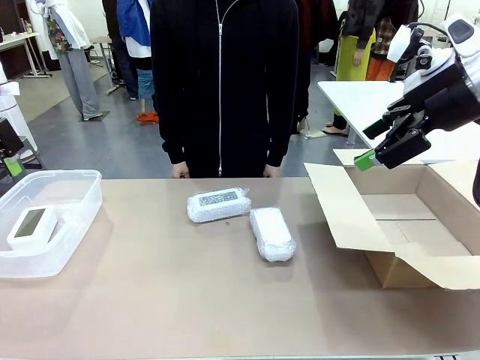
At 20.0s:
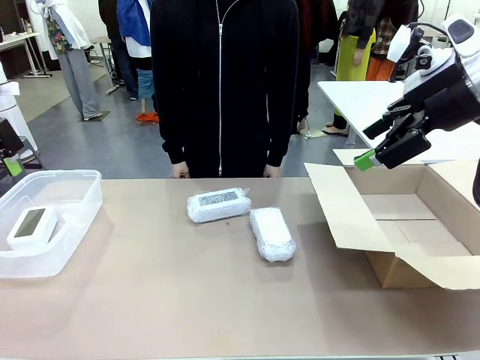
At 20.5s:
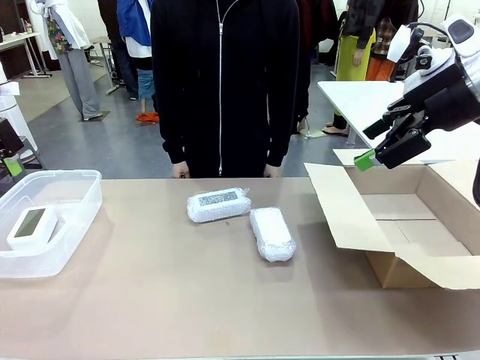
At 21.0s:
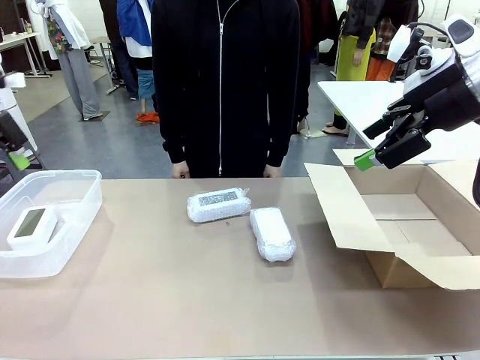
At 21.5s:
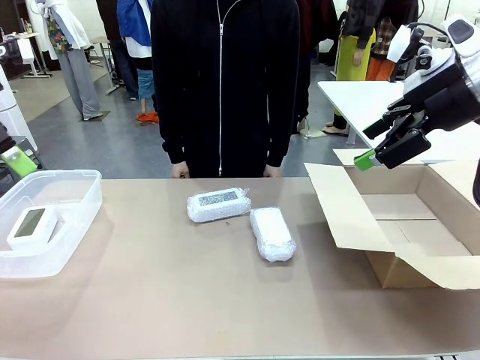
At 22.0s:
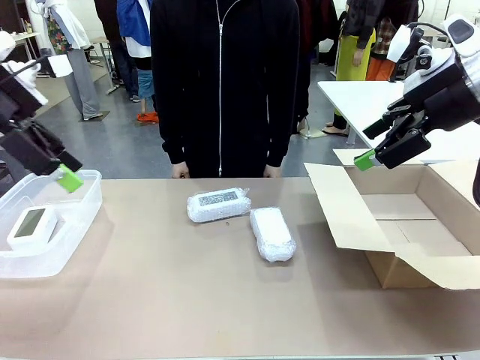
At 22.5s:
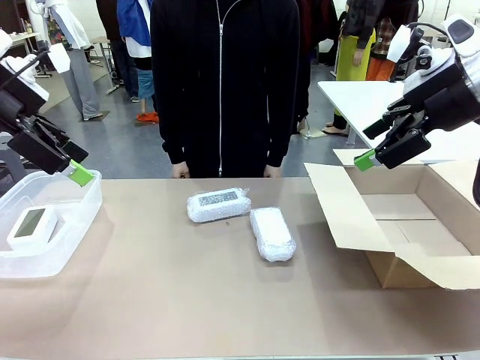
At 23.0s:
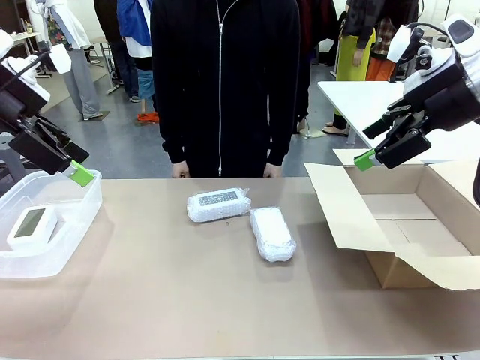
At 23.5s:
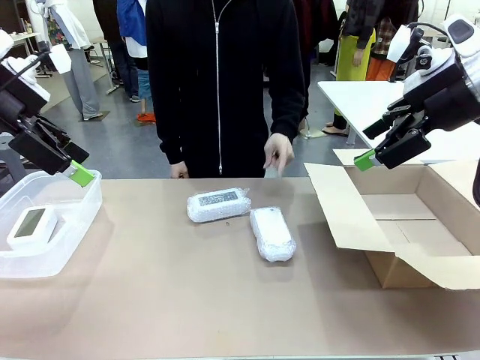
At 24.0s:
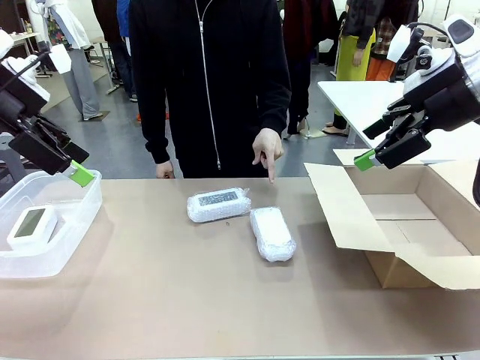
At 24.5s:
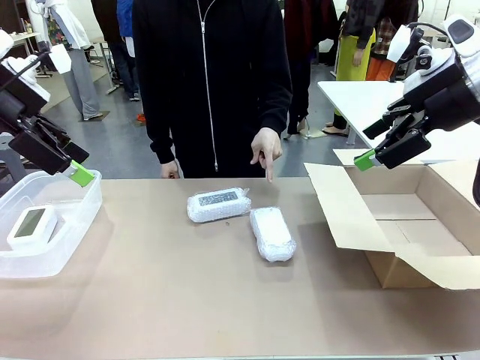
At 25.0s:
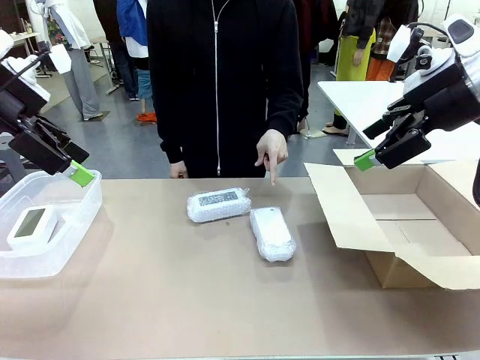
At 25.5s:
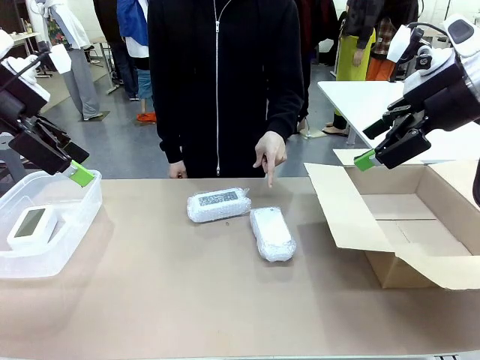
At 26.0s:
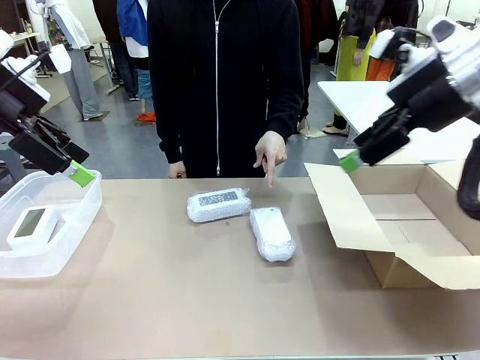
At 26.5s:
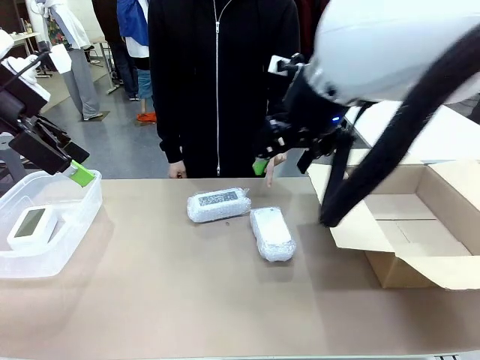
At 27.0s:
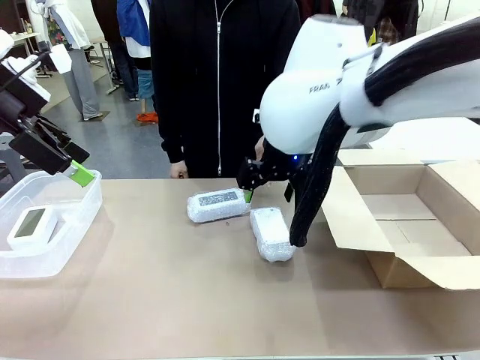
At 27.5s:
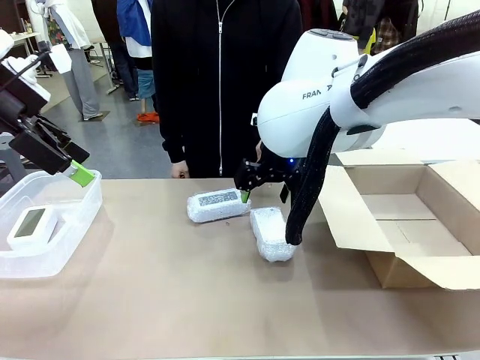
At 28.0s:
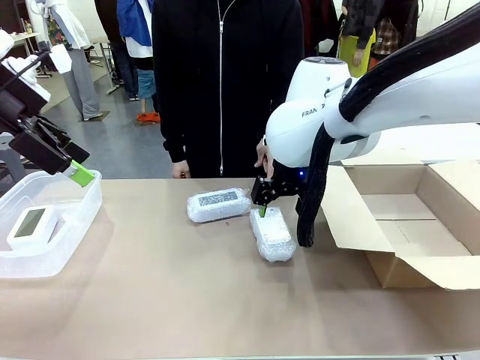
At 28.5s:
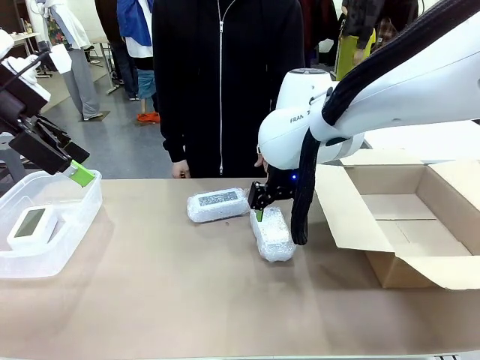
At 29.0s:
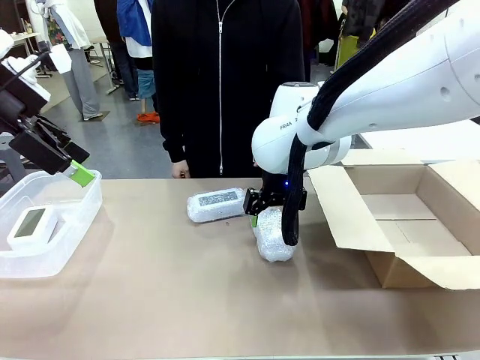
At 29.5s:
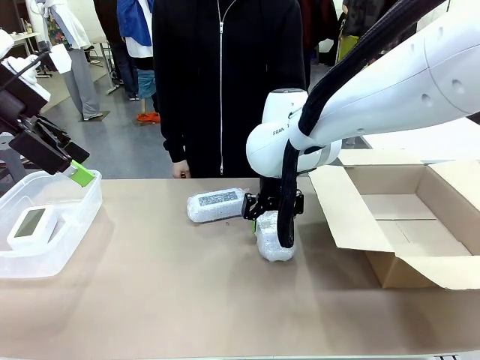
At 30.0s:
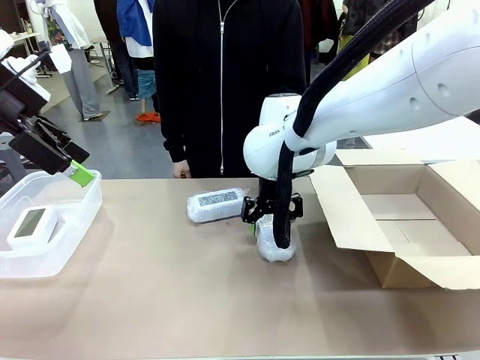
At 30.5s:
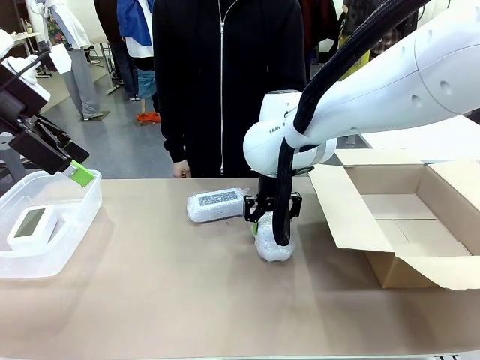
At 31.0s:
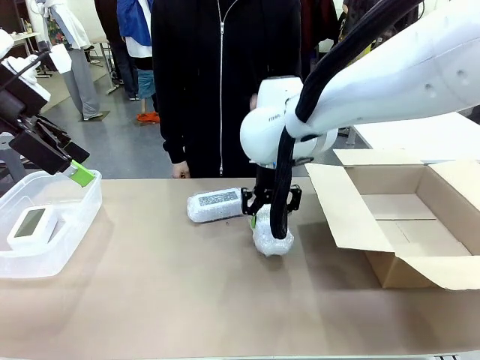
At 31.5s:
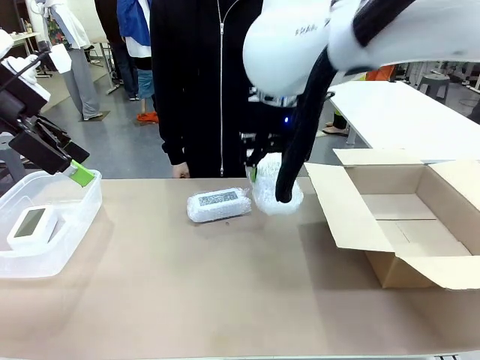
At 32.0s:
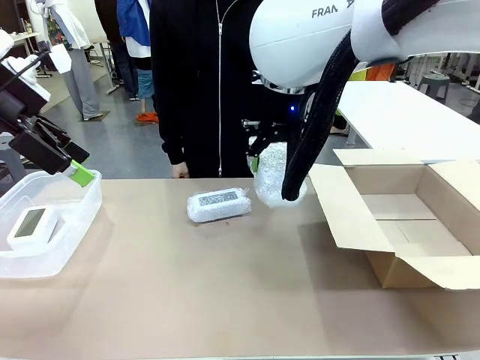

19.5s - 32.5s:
Task: Separate and place wrapped and unwrapped clocks.
Robot: Pick up the Digital clock indicated by the person.

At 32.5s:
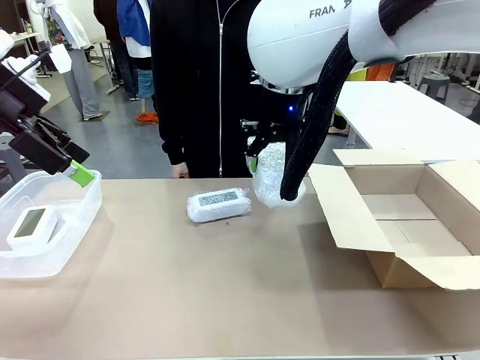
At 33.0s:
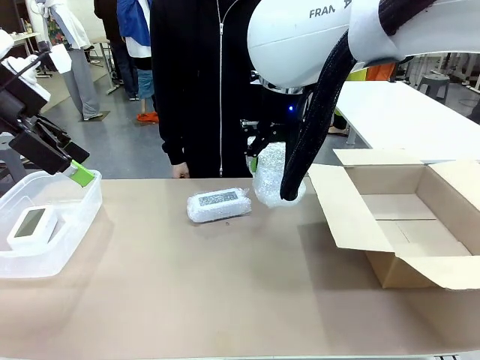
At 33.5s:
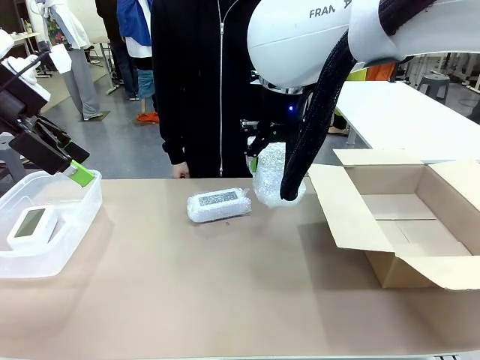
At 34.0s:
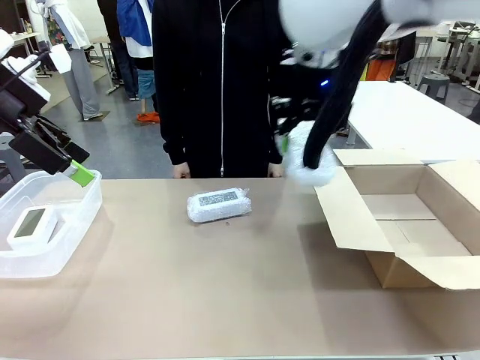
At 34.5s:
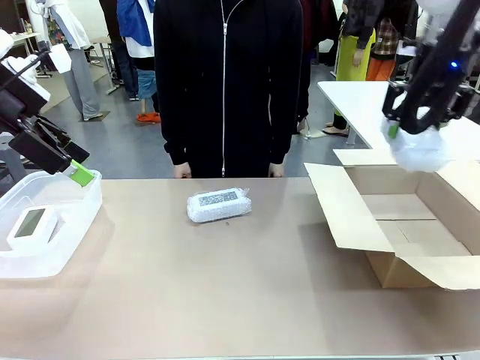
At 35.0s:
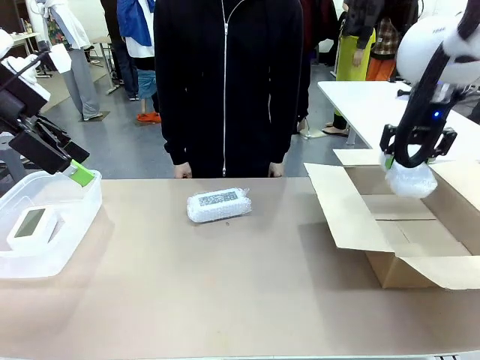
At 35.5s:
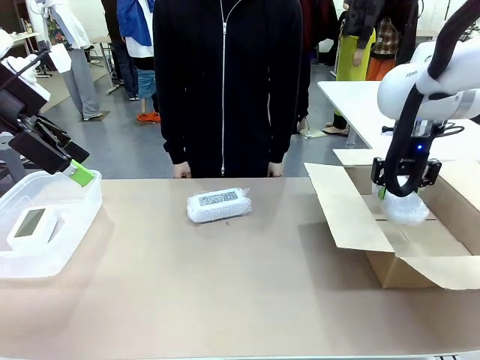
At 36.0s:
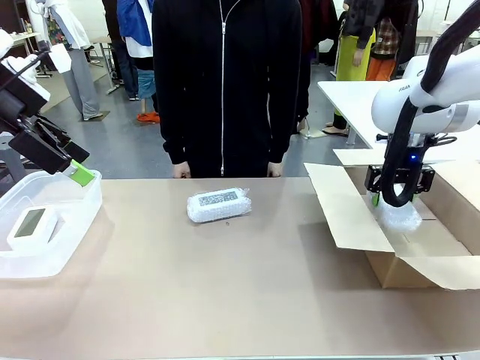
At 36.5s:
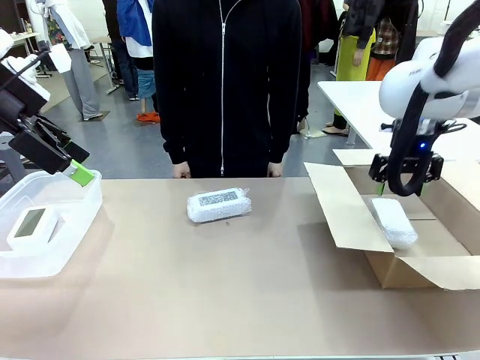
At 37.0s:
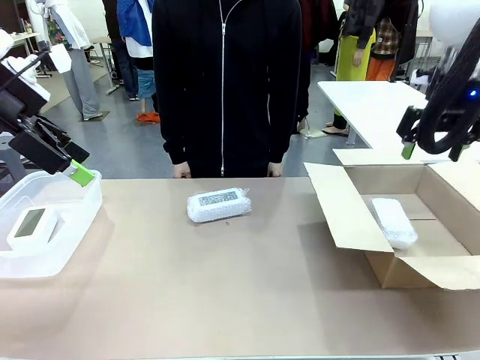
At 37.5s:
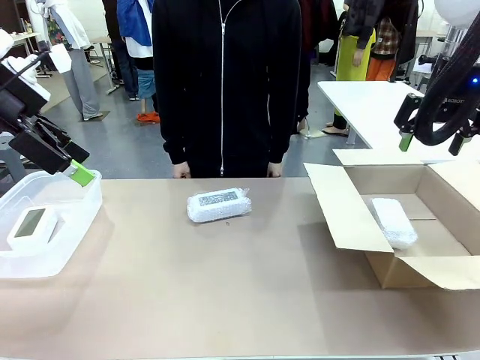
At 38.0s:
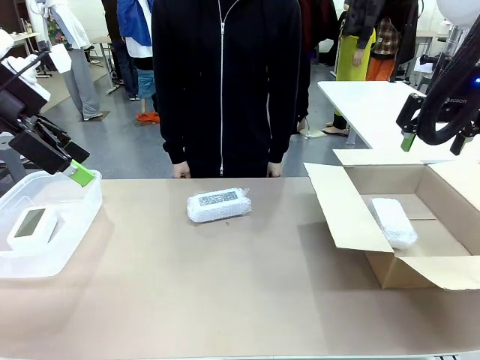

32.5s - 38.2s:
Robot: If the picked Digital clock is wrapped, place it in the Package Box ; if not, place it in the Organizing box.

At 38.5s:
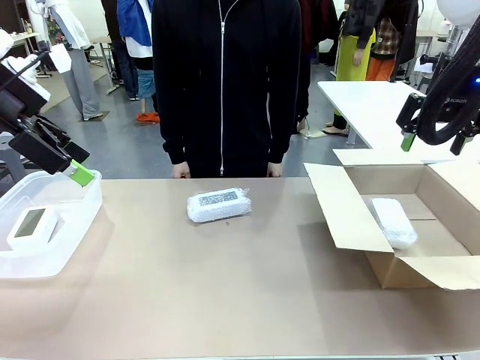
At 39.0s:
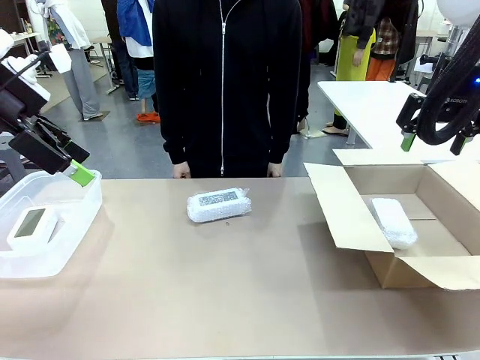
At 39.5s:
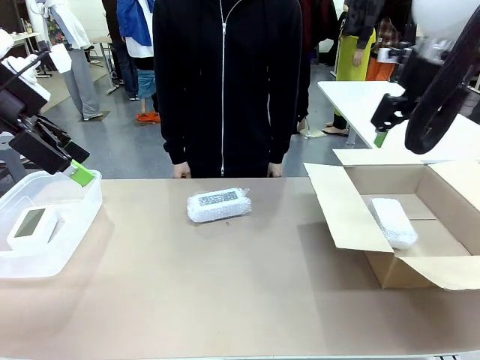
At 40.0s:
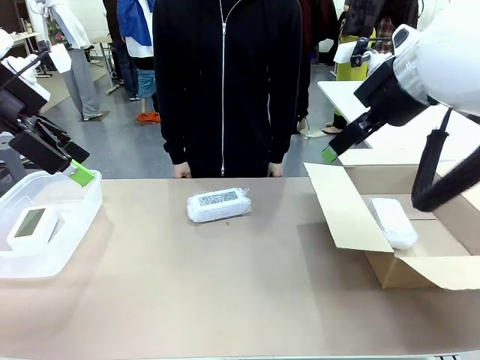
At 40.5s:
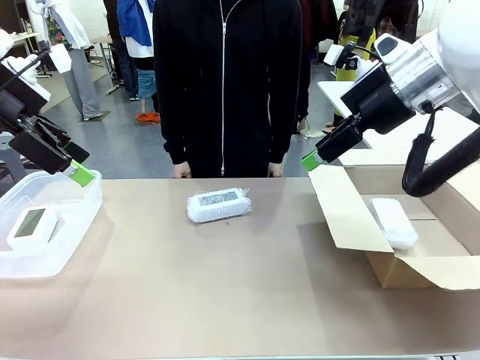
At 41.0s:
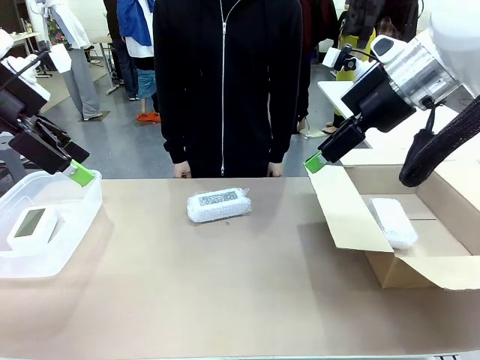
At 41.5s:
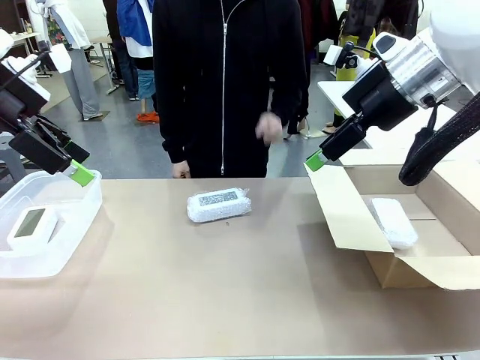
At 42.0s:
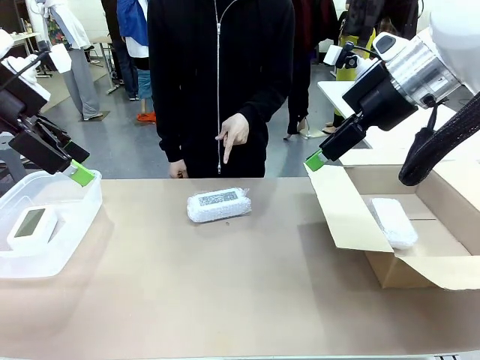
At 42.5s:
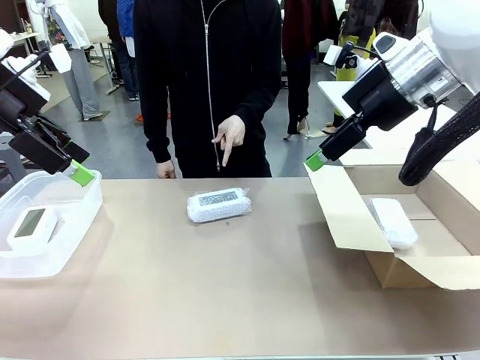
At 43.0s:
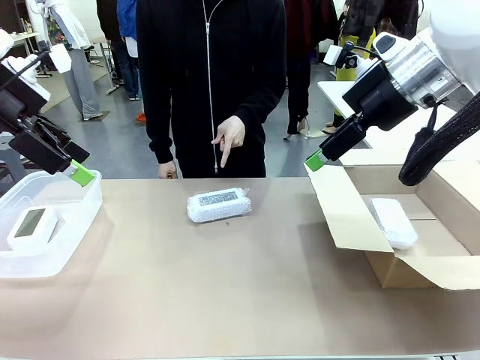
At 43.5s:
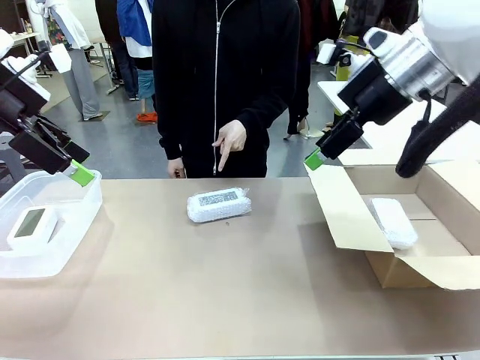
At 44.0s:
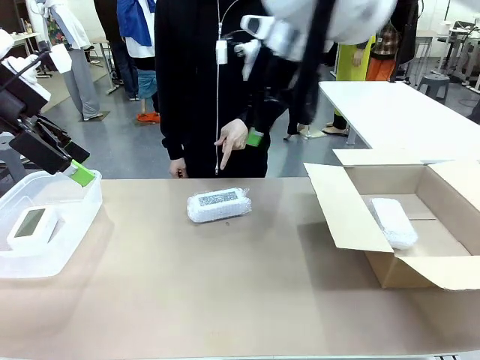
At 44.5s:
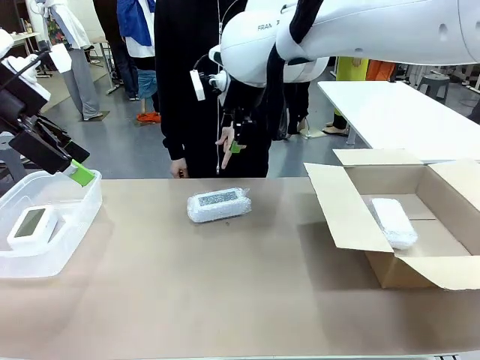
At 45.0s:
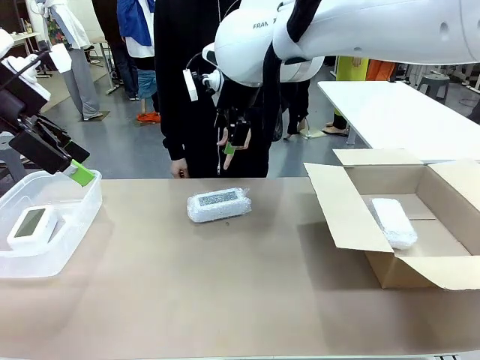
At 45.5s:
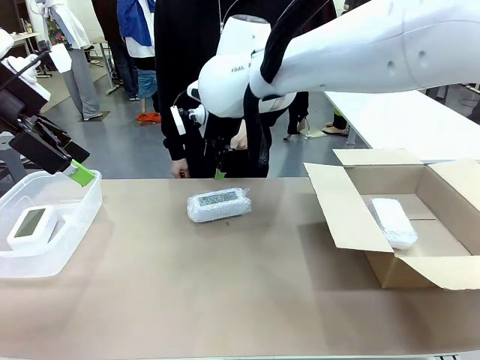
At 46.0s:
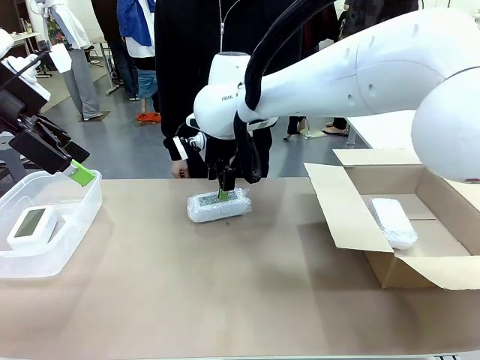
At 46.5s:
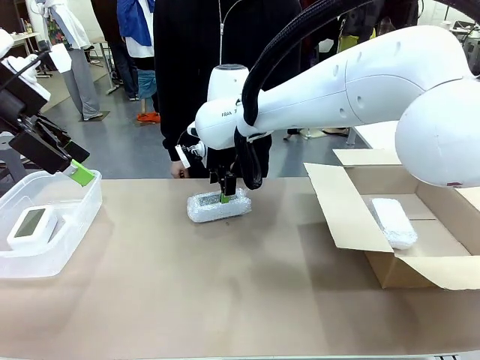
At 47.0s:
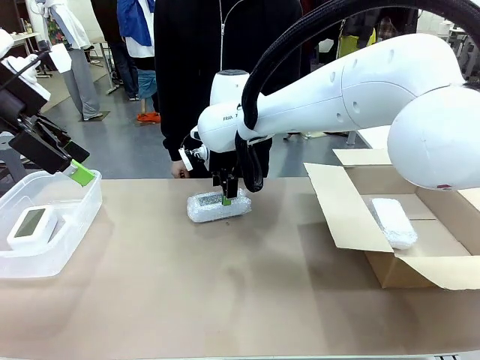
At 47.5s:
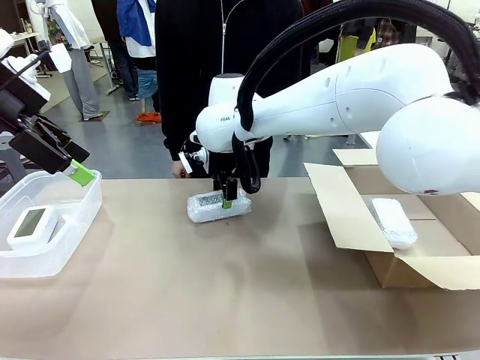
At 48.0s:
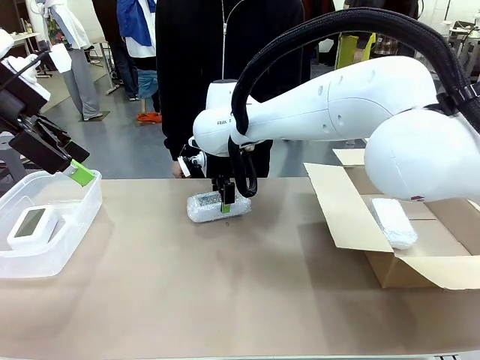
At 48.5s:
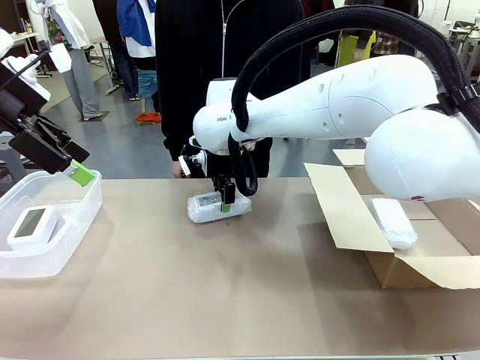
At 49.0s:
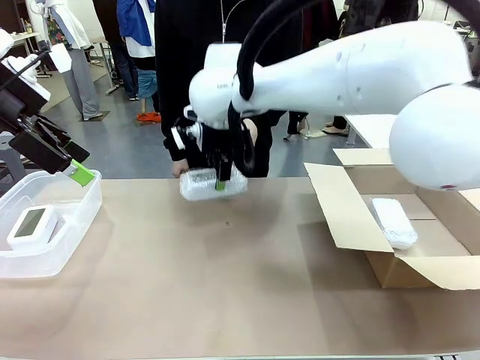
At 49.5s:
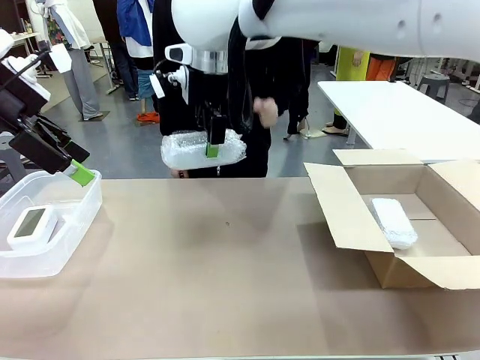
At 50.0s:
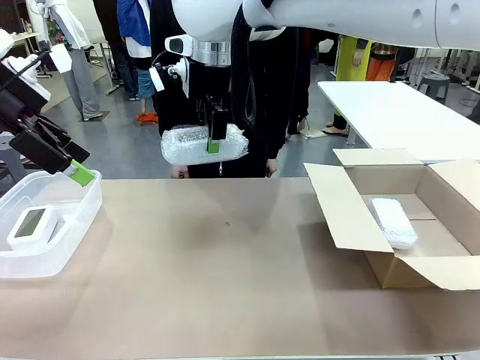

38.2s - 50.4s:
Robot: Pick up the Digital clock indicated by the person.
